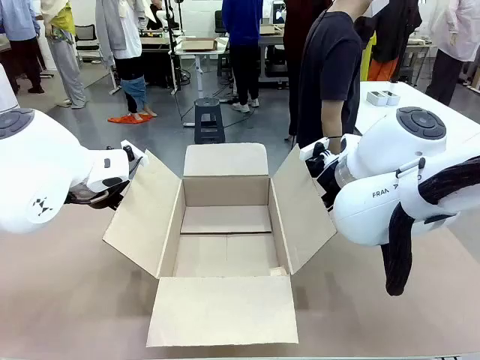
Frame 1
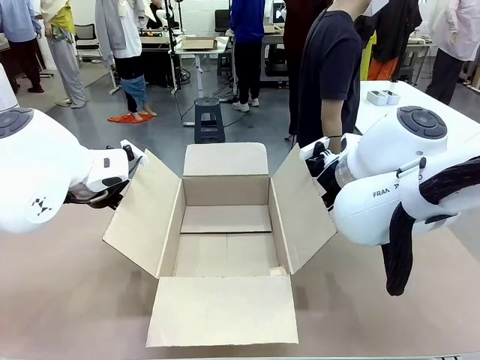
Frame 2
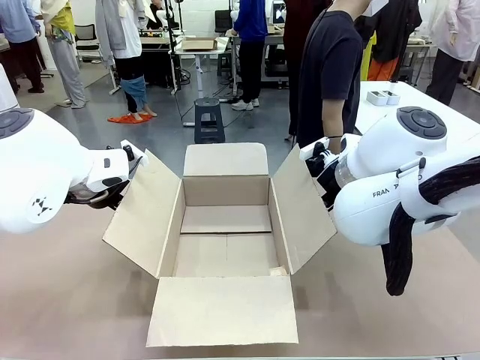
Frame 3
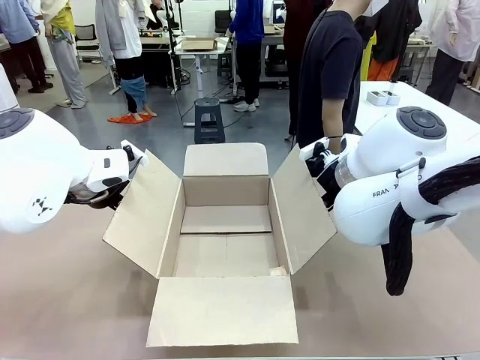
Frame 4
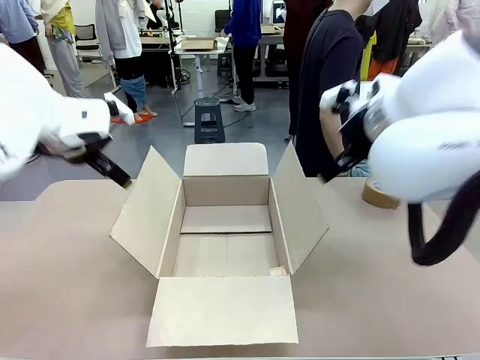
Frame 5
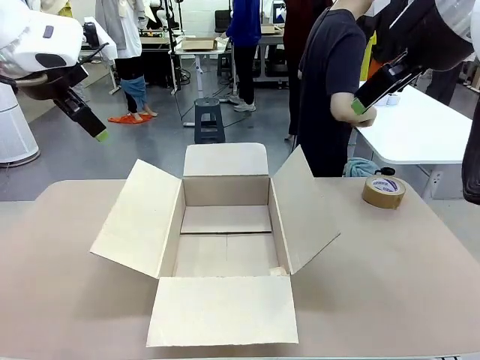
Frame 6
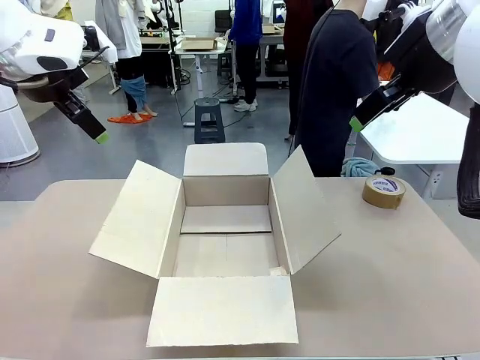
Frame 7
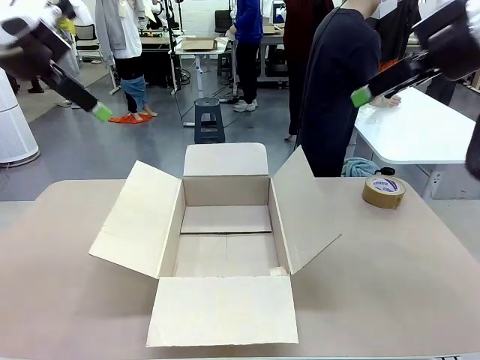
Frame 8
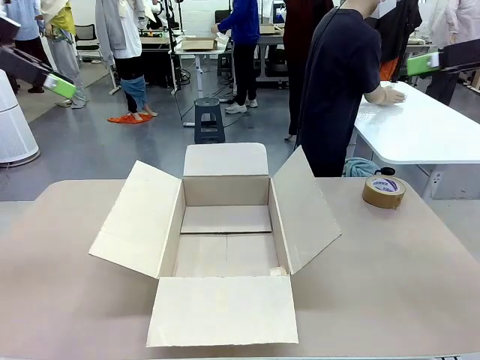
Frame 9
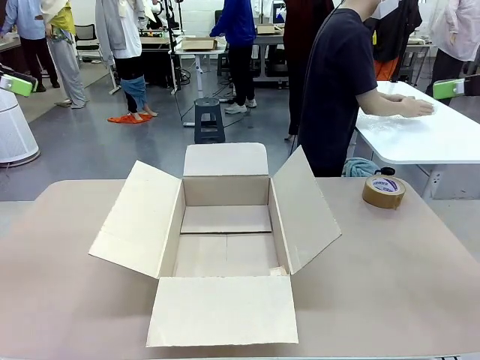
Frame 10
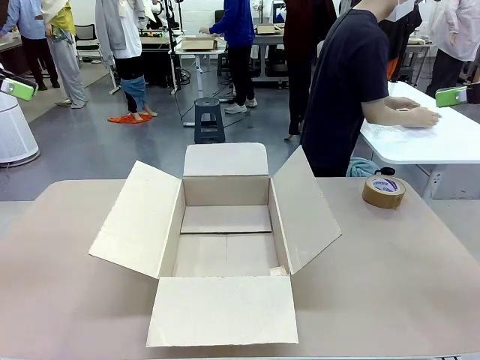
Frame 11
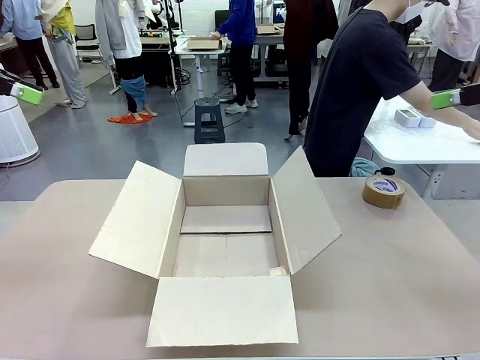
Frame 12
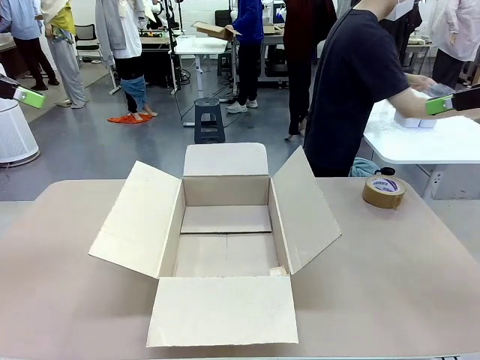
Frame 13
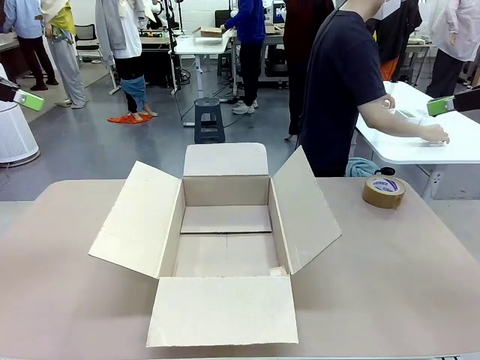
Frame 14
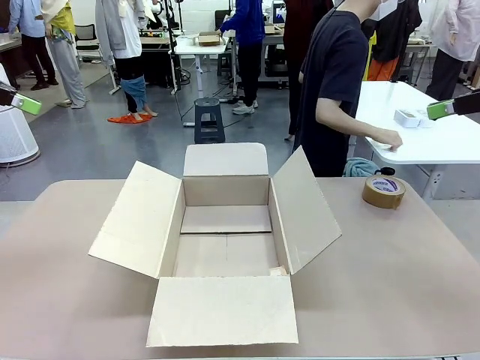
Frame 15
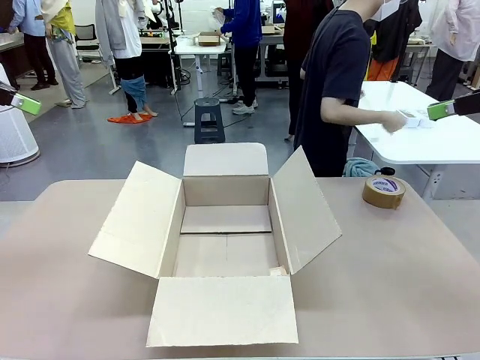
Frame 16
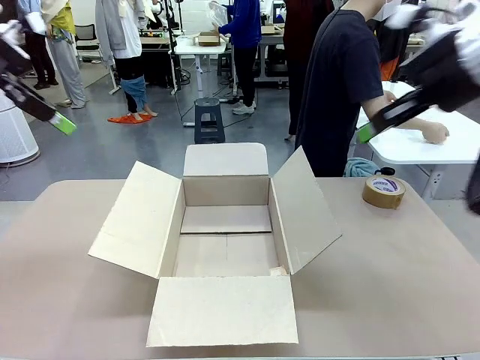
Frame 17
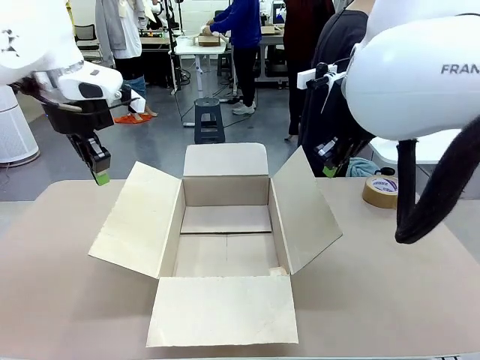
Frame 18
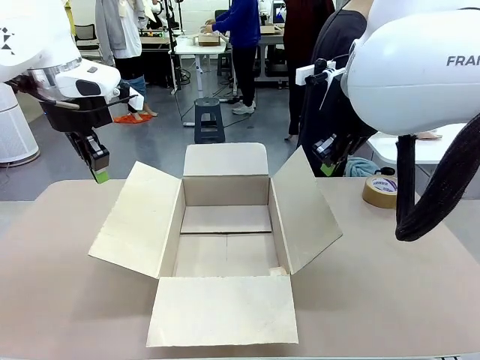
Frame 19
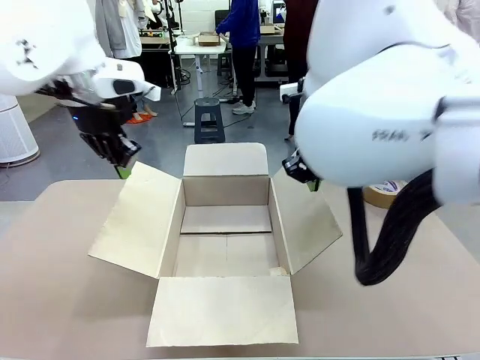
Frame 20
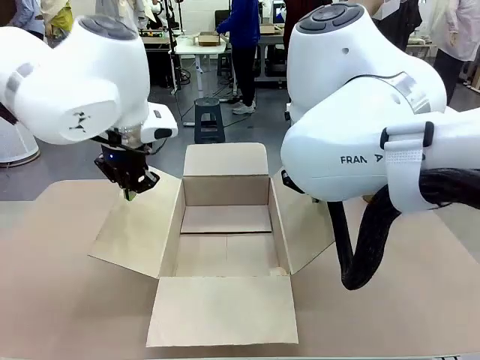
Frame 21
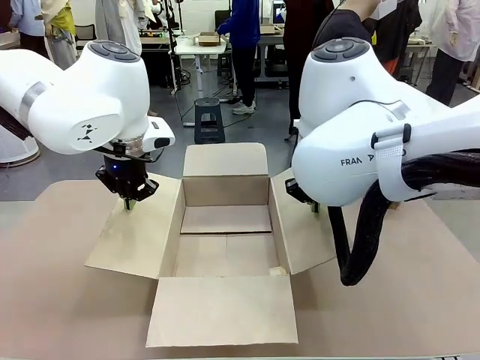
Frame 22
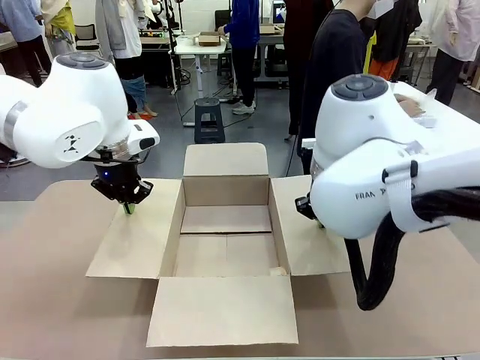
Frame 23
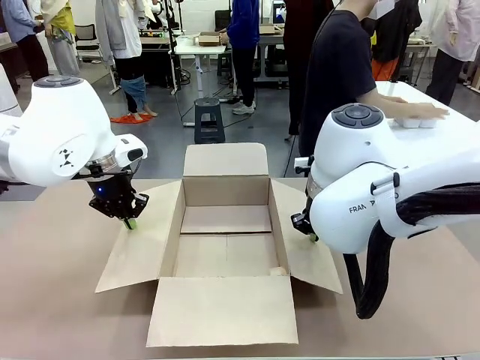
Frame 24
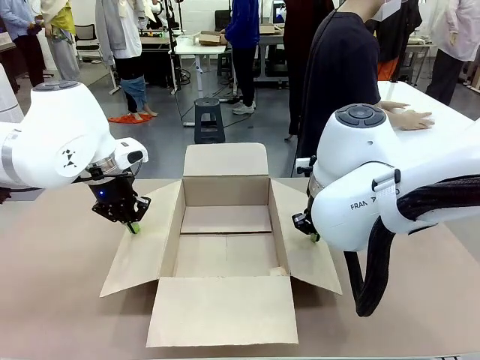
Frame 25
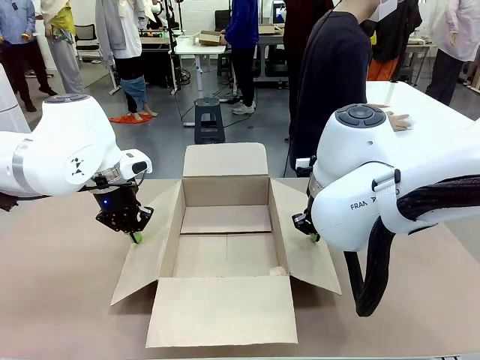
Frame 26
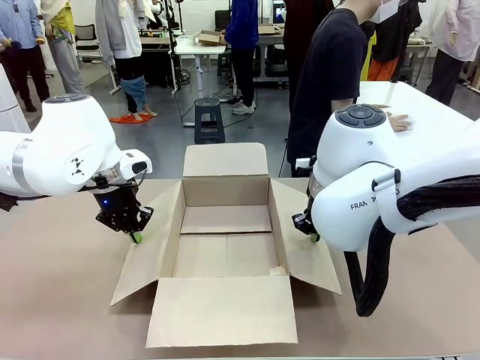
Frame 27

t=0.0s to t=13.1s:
Task: Wrap the clocks to prevent damage.
Robot: Open the side flaps of the Package Box.
Person: Wrap the two Digital clocks with Bubble Wrap.

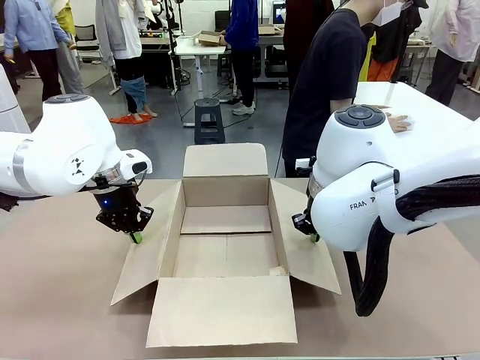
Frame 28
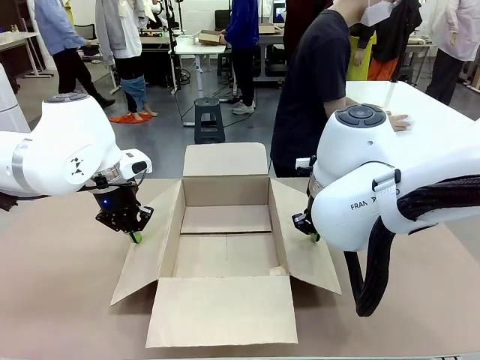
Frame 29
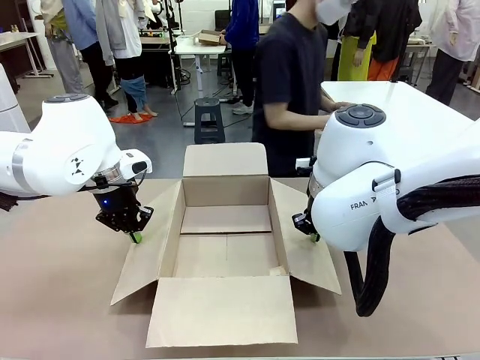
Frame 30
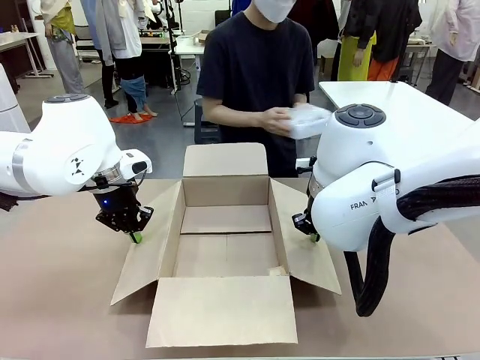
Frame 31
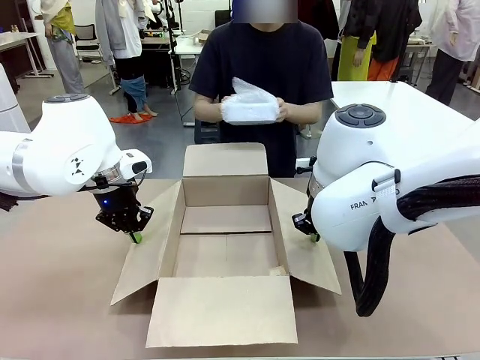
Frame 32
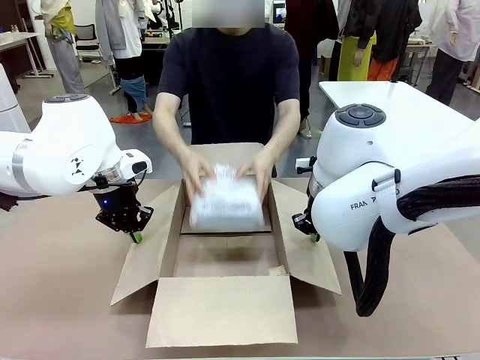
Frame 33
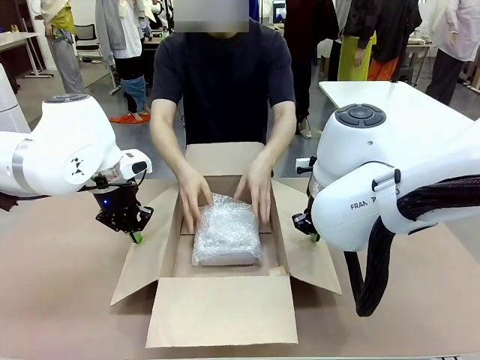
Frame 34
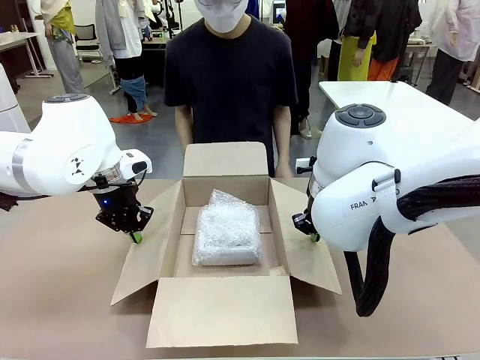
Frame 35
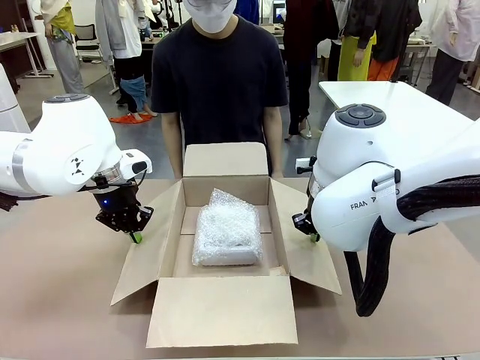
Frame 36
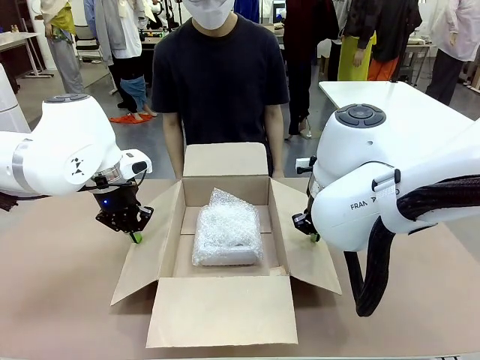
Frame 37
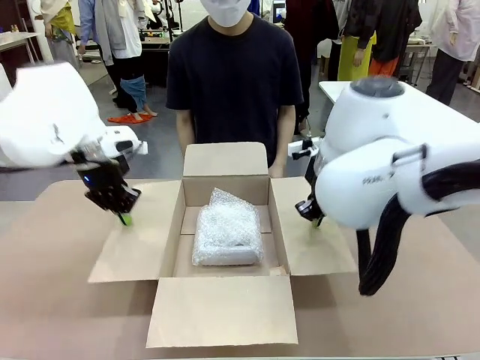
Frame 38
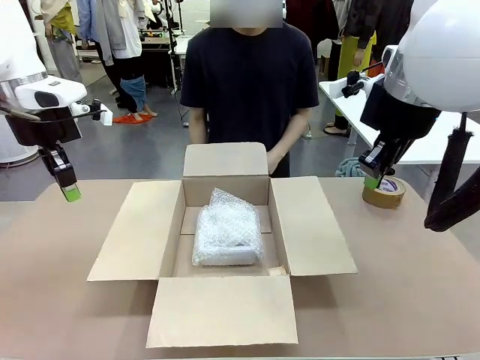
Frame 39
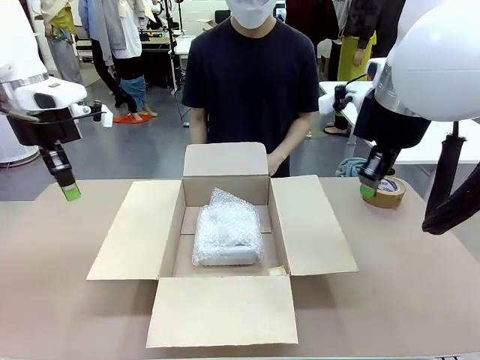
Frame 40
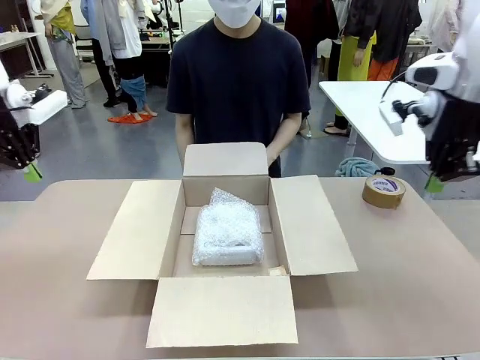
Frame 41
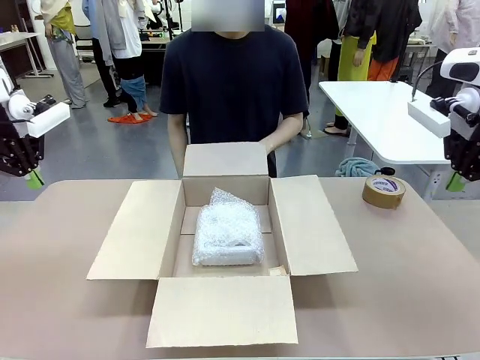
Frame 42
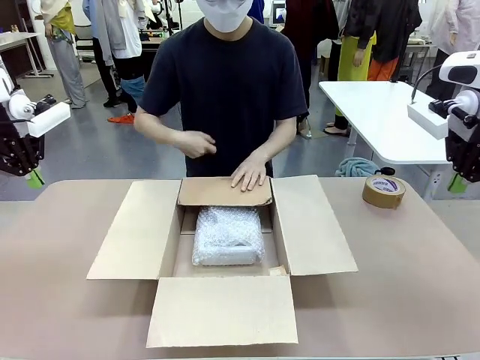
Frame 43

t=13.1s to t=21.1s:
Robot: Once the human has placed the objects inside and stepped back, release both hands from the side flaps of the Package Box.
Person: Place the wrapped Digital clocks inside the Package Box. Hold the top and bottom flaps of the Package Box closed with your left (or right) hand.
